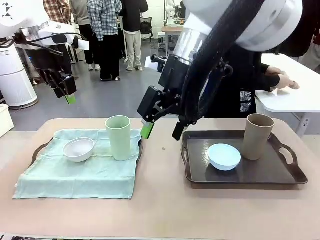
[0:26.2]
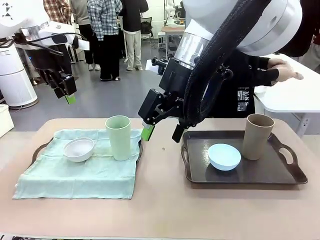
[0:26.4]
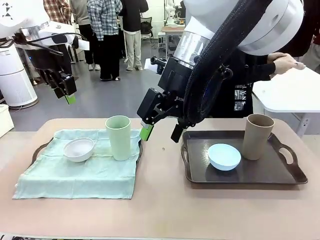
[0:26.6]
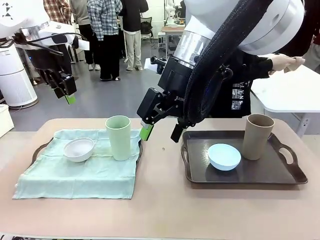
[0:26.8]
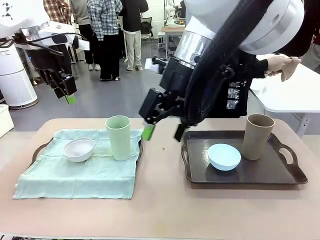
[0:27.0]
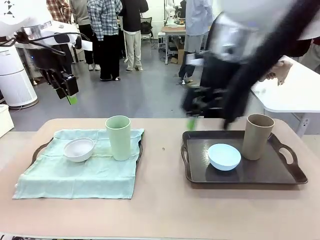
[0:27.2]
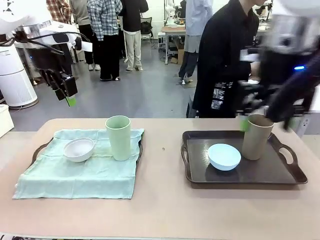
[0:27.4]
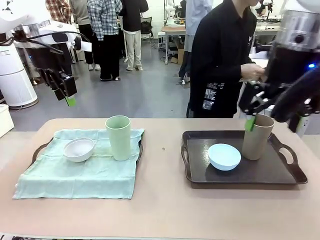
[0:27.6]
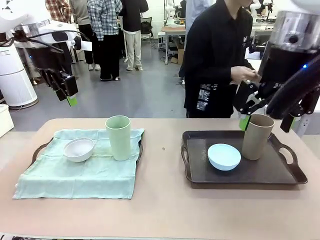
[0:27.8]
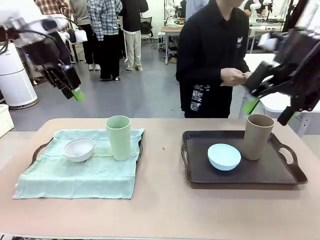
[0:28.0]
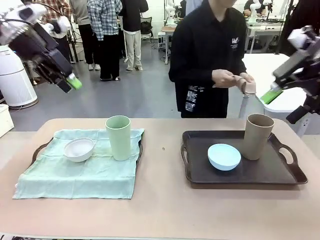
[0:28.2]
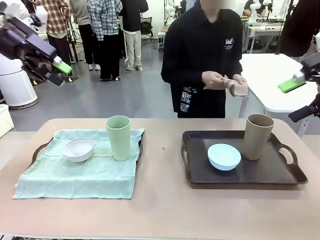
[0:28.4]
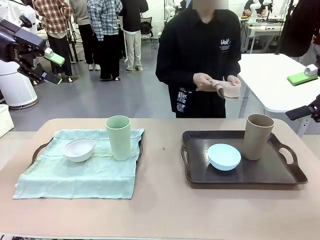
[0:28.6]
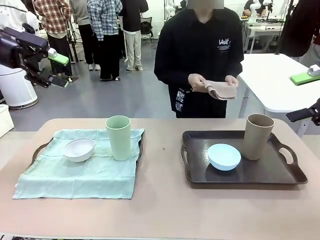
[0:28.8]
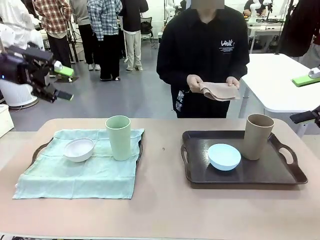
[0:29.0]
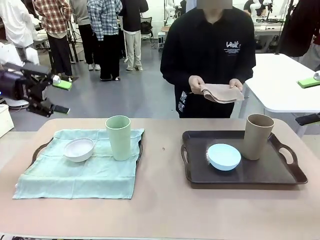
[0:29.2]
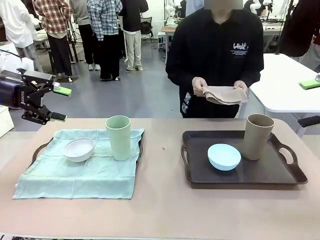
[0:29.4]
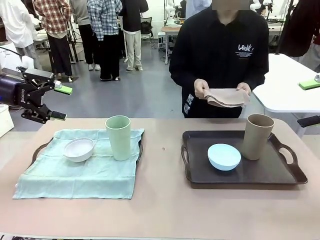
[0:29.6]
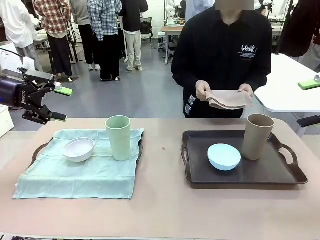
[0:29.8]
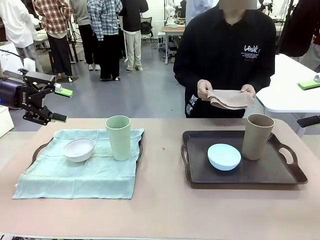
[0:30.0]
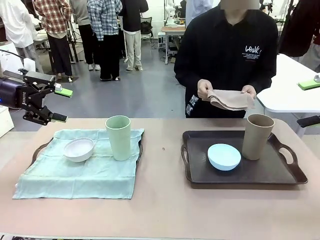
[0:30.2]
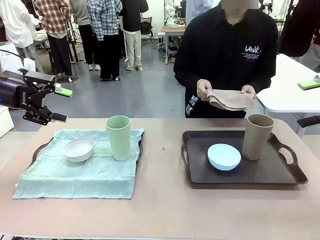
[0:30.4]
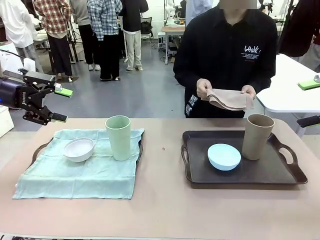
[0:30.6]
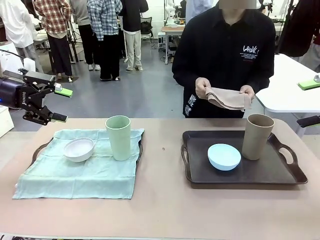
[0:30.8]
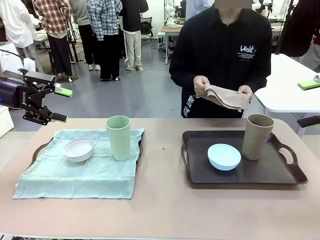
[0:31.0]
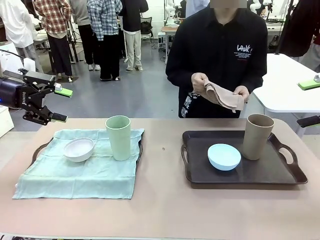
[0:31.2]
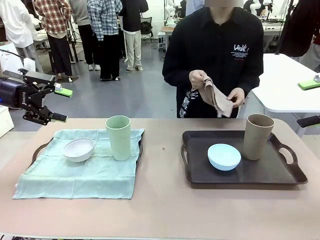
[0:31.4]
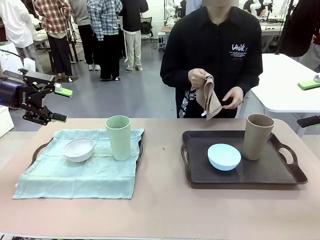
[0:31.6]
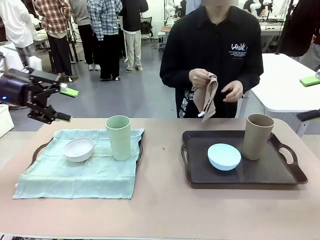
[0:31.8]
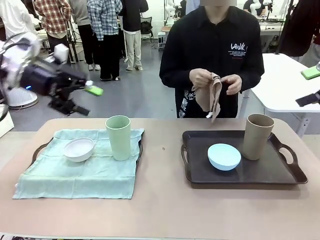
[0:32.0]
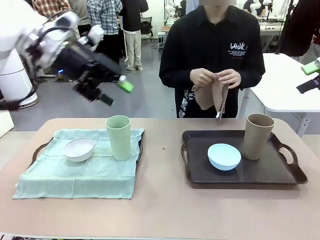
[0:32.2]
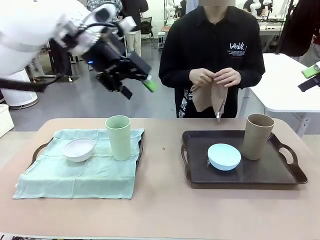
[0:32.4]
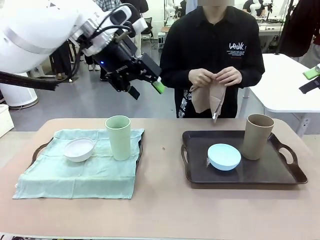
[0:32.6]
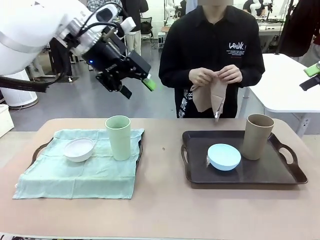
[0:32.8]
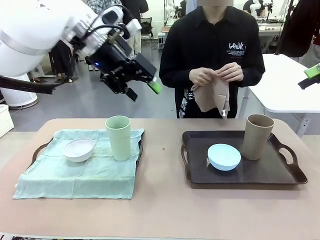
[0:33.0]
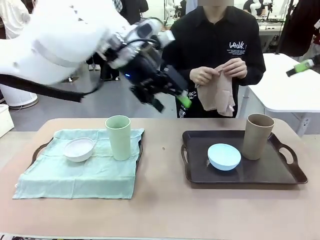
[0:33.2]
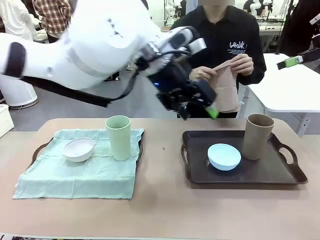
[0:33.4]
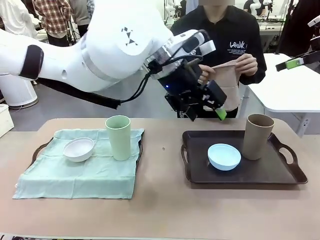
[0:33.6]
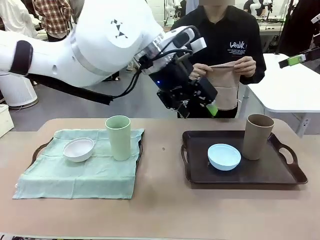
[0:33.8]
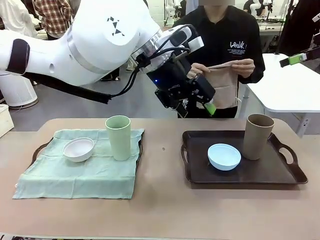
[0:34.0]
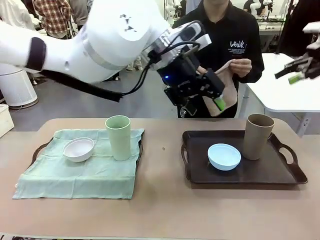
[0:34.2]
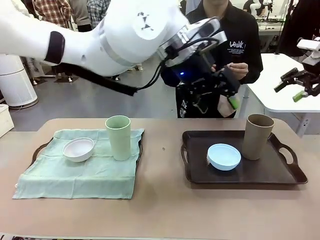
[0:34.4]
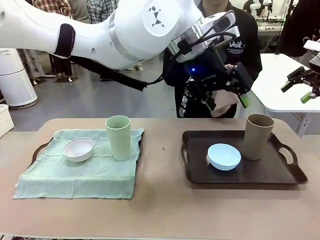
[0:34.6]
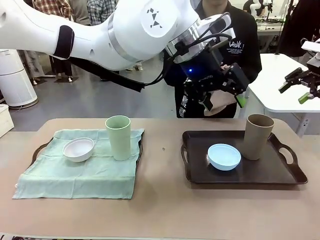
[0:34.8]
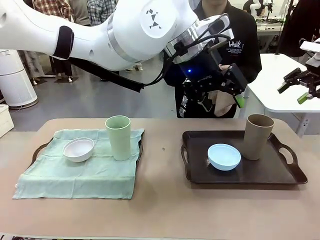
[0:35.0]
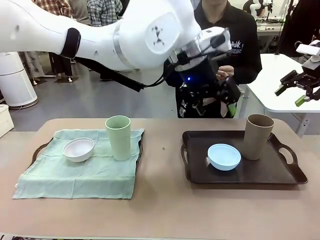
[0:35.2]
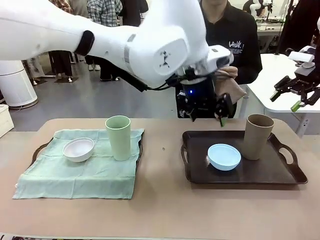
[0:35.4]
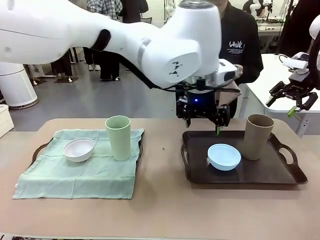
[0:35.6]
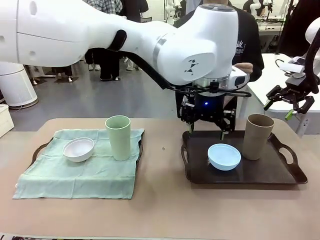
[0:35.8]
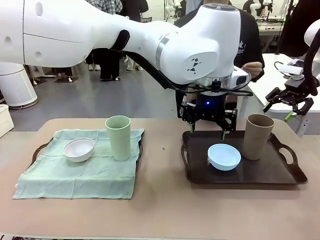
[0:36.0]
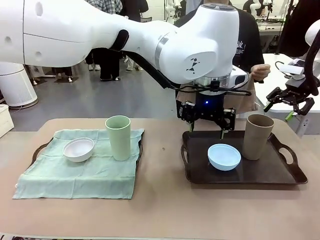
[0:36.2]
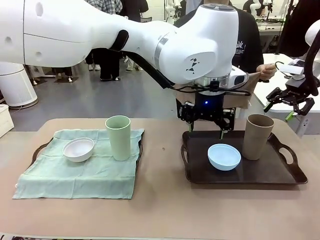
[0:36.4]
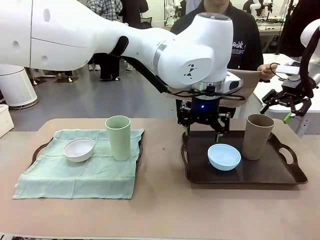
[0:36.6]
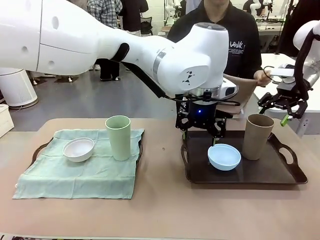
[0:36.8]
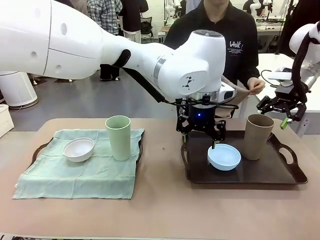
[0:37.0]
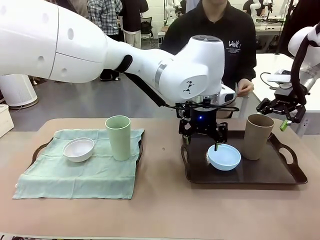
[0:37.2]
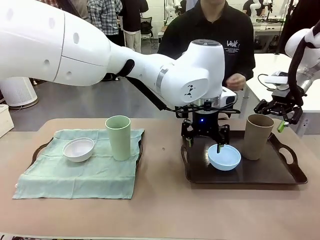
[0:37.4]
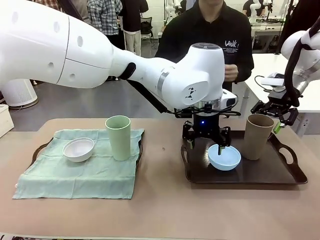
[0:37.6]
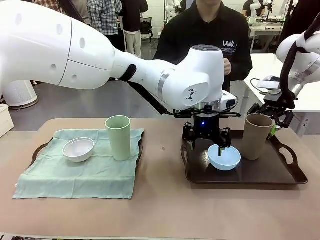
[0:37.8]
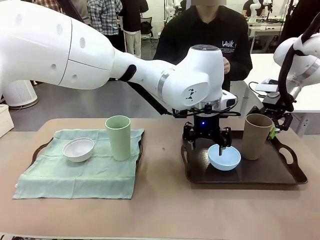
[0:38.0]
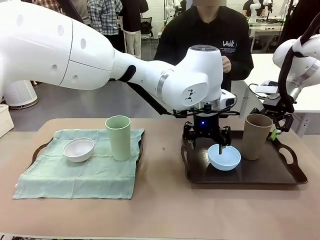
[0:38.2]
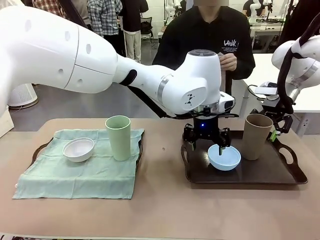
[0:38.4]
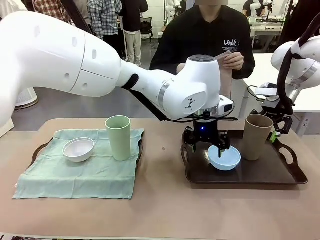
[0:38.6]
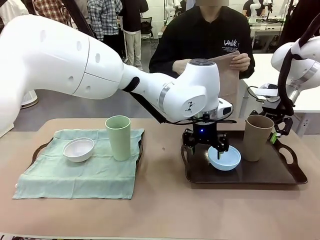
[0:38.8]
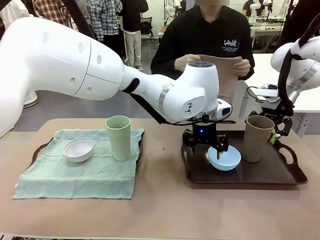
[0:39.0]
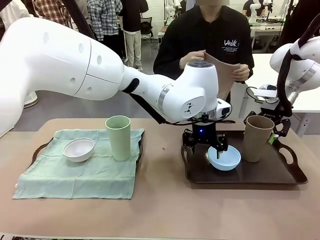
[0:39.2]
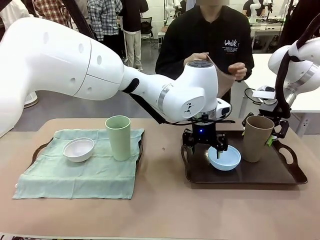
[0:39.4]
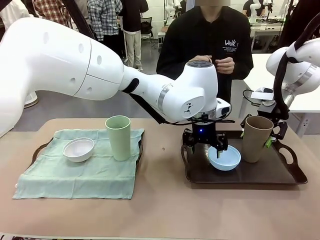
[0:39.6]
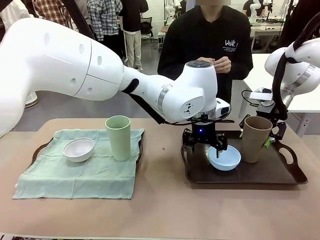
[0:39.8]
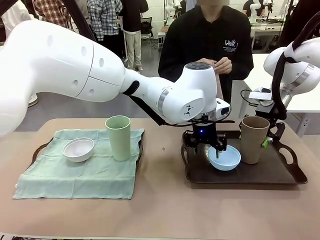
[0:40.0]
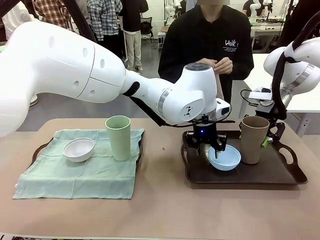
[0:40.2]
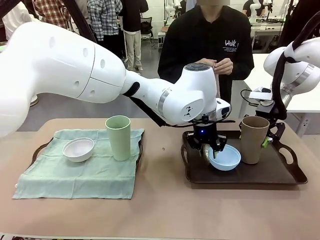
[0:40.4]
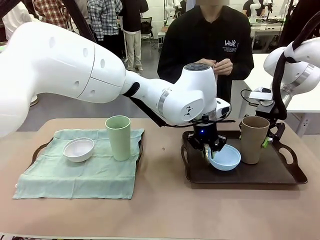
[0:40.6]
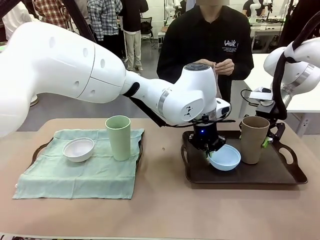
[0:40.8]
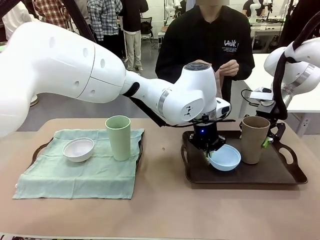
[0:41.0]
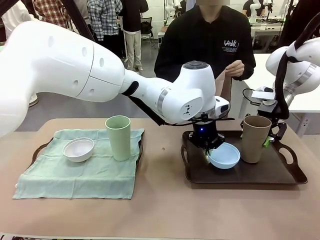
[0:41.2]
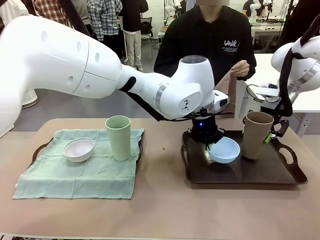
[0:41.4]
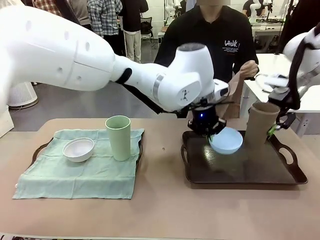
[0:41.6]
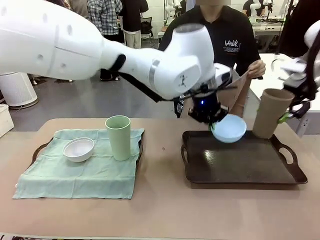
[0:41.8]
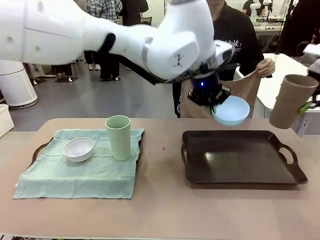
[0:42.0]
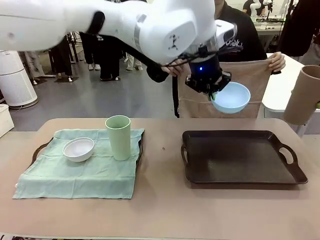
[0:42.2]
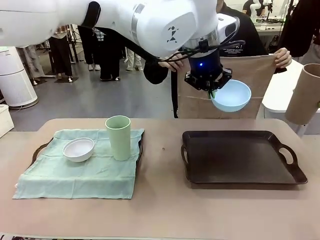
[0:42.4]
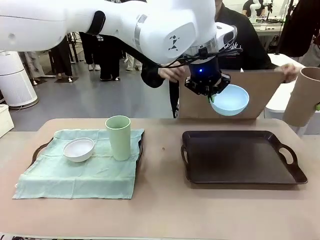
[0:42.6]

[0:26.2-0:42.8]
Robot: Pick up the Picnic Bowl and Reusable plastic cup from the Handle tray in front of the human's position and hold them in the air.

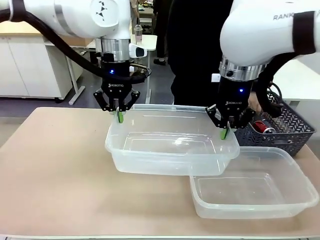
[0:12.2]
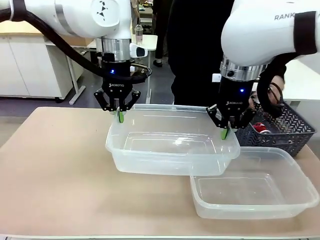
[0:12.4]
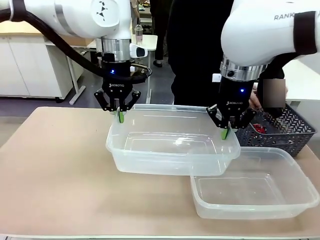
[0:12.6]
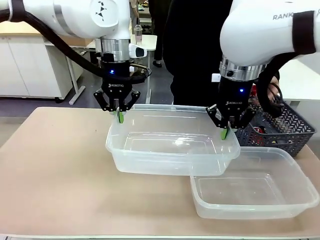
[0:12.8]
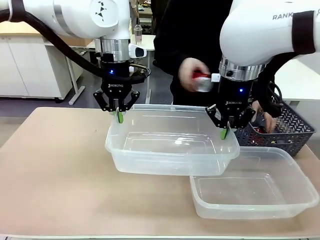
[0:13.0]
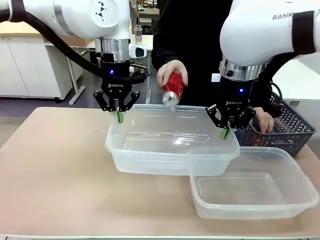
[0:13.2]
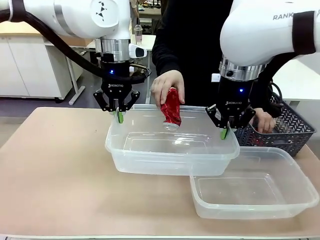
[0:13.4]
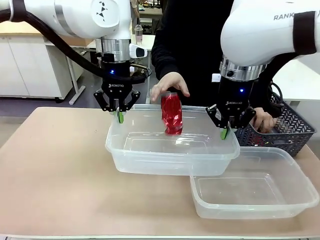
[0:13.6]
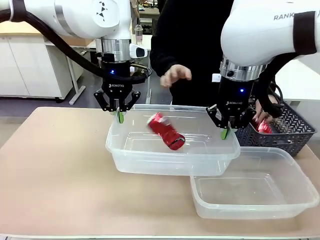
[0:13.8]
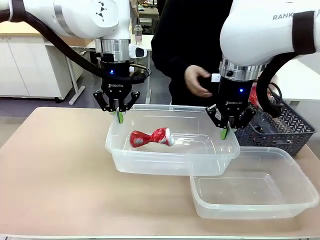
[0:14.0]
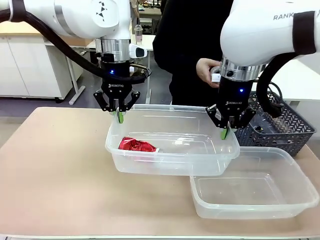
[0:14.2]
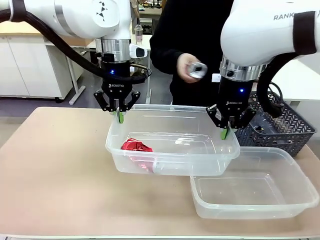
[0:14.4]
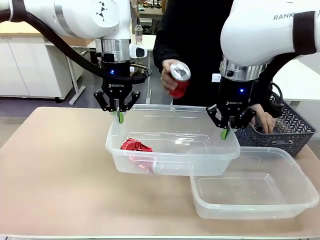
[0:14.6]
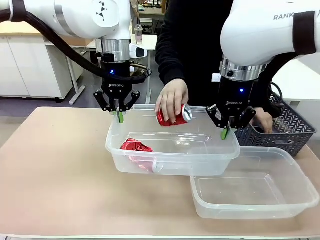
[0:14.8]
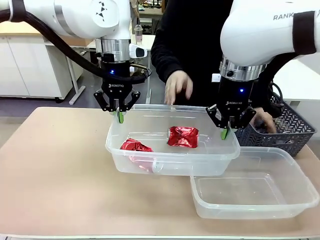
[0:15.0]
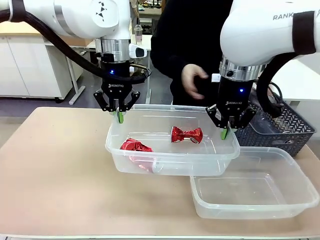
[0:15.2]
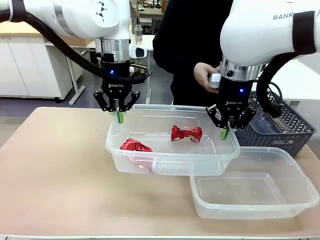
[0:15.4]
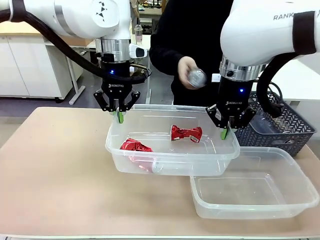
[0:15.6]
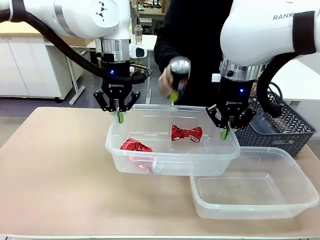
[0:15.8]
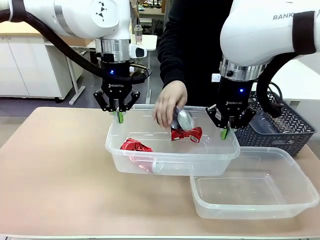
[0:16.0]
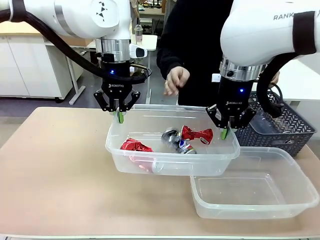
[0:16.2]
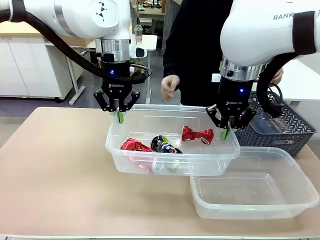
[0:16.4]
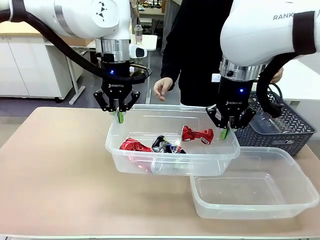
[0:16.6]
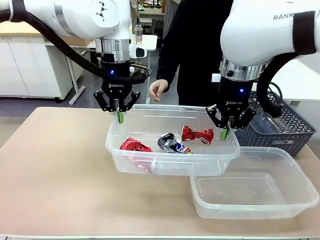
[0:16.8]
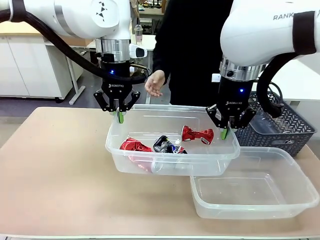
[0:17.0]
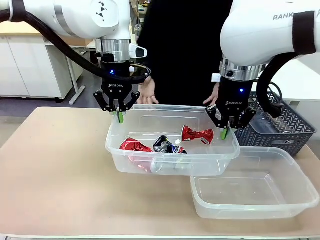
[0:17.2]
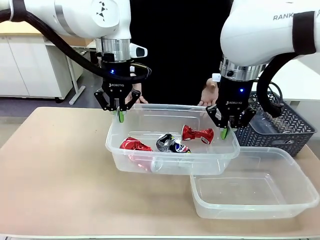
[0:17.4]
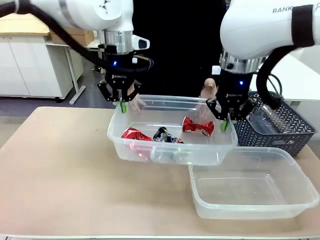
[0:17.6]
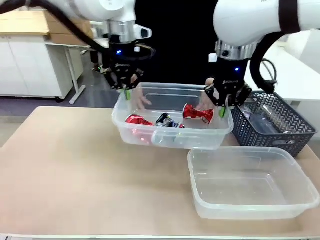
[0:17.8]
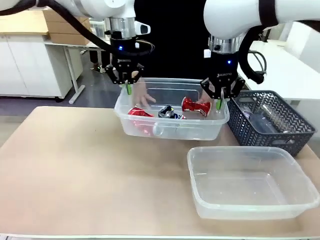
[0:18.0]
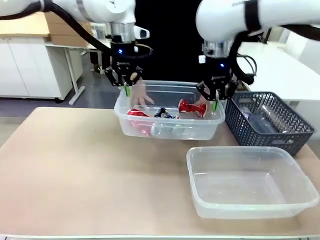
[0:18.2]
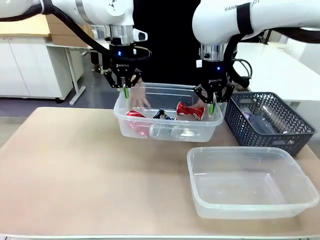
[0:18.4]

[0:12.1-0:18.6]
Robot: Offer the picked Organizing box to the human.

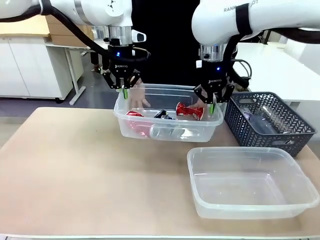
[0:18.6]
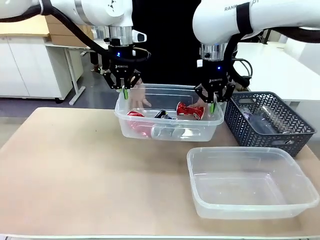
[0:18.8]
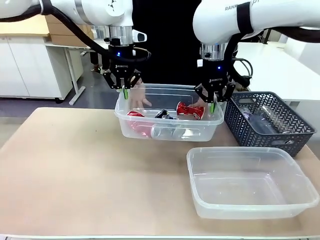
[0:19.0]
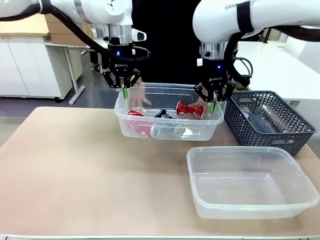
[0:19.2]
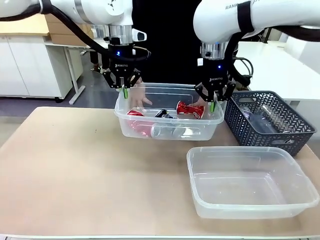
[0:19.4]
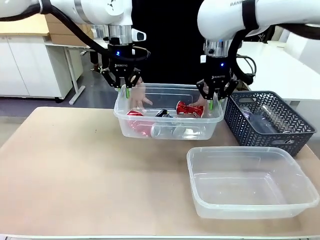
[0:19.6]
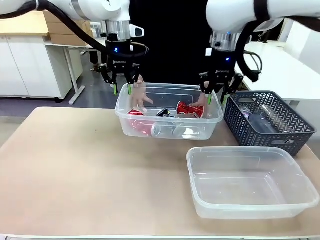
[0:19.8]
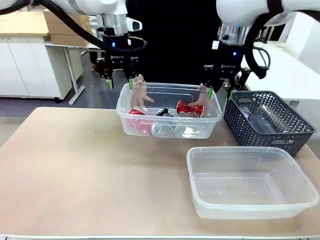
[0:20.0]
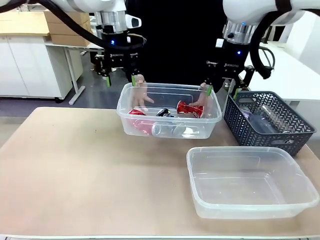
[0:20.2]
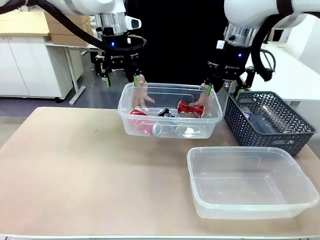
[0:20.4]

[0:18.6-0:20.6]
Robot: Release the Organizing box you were holding.
